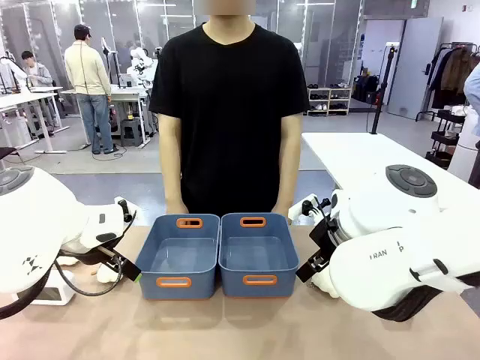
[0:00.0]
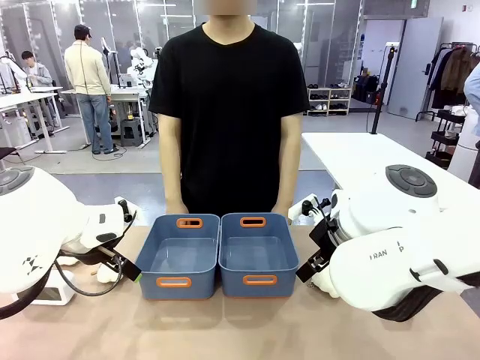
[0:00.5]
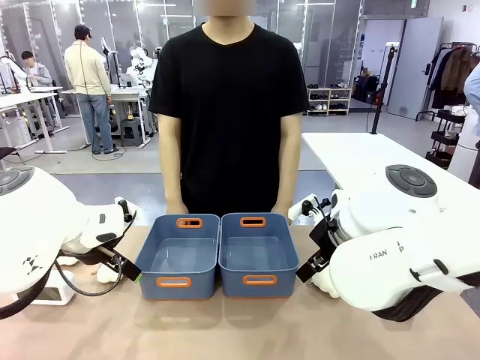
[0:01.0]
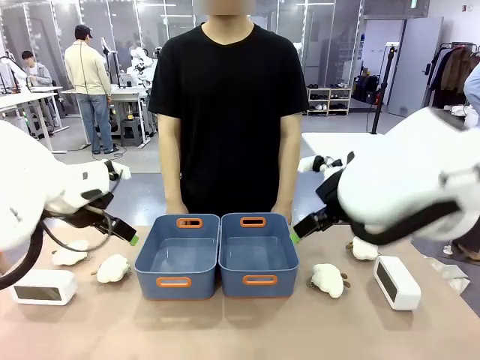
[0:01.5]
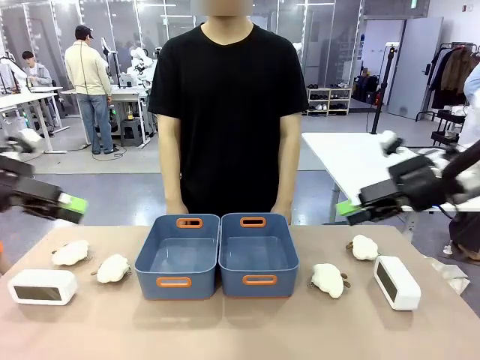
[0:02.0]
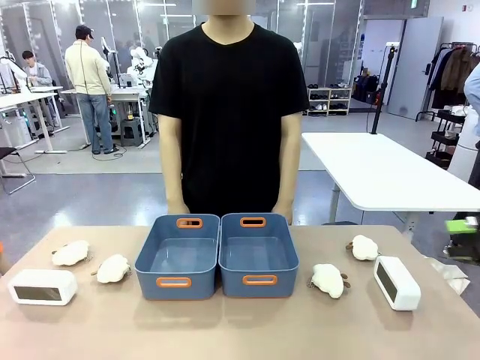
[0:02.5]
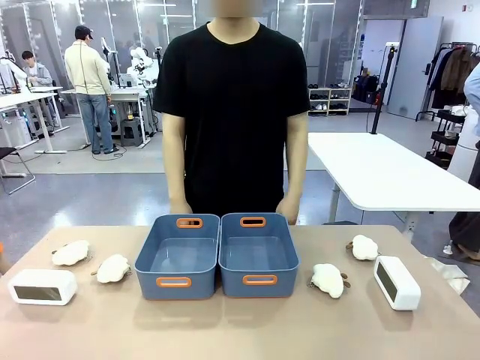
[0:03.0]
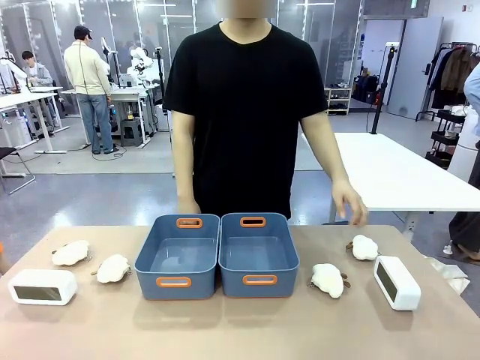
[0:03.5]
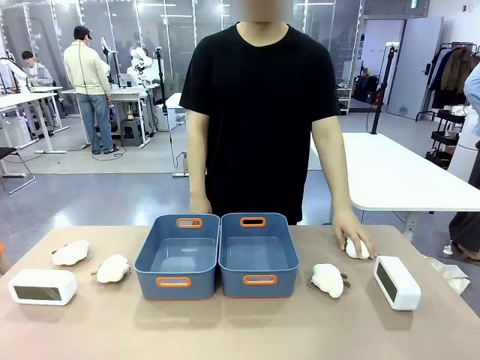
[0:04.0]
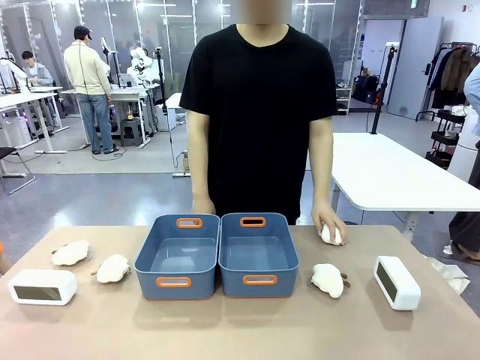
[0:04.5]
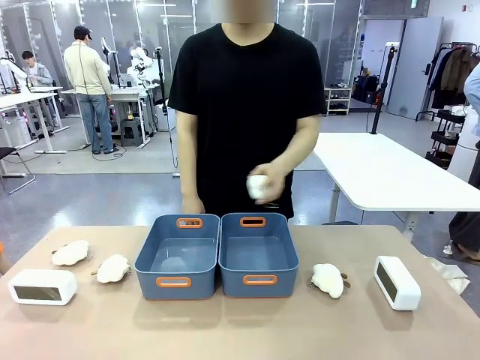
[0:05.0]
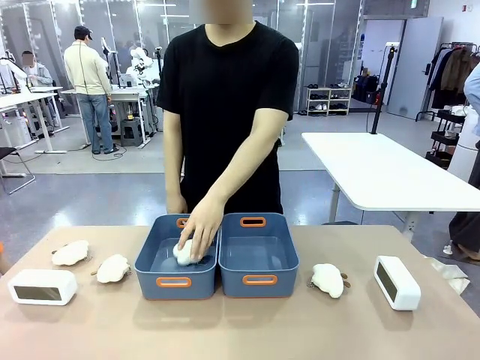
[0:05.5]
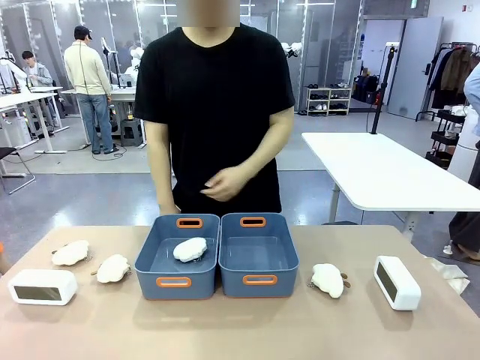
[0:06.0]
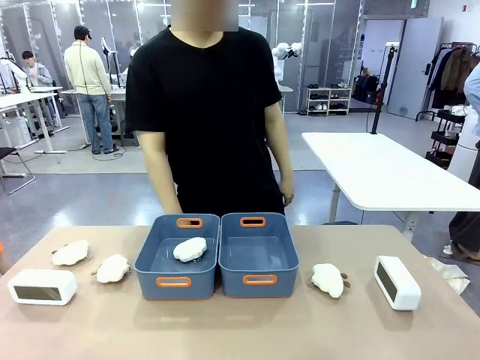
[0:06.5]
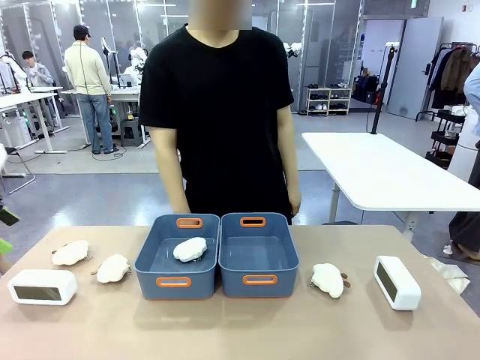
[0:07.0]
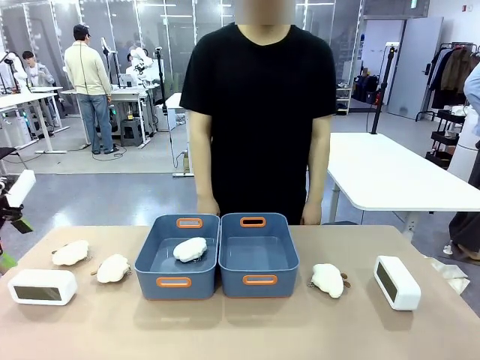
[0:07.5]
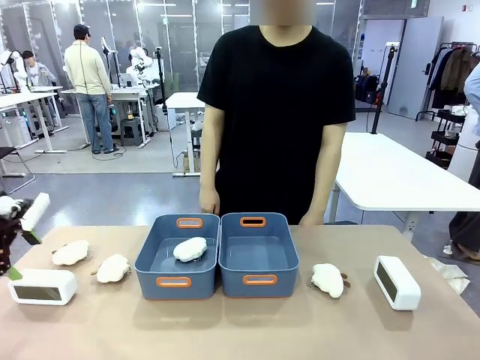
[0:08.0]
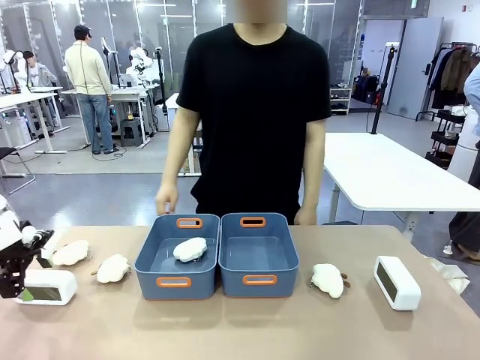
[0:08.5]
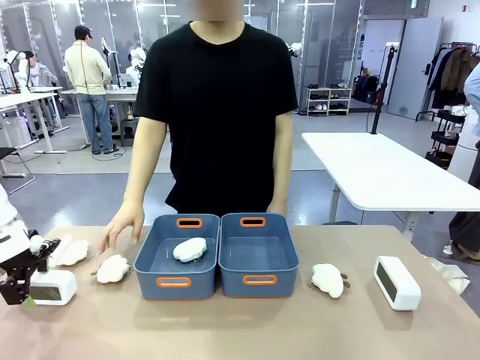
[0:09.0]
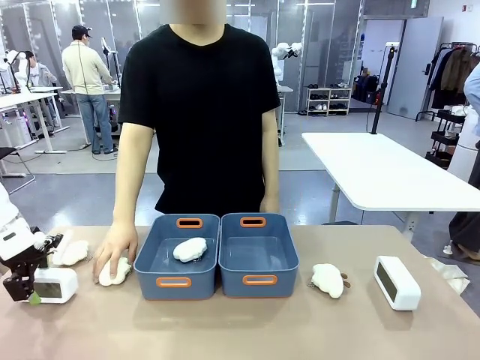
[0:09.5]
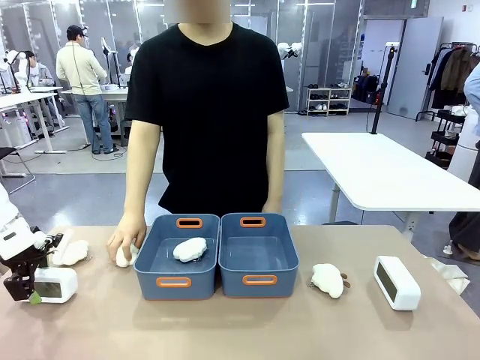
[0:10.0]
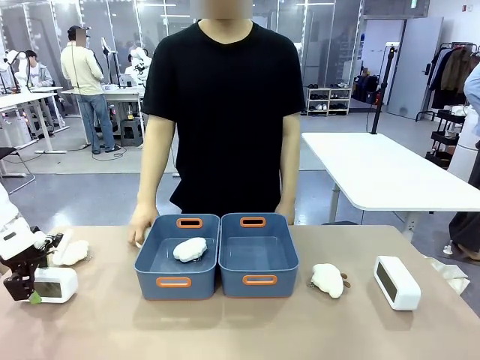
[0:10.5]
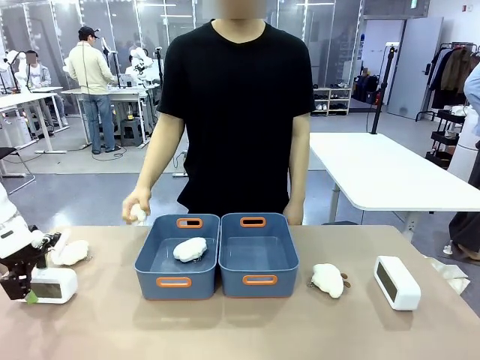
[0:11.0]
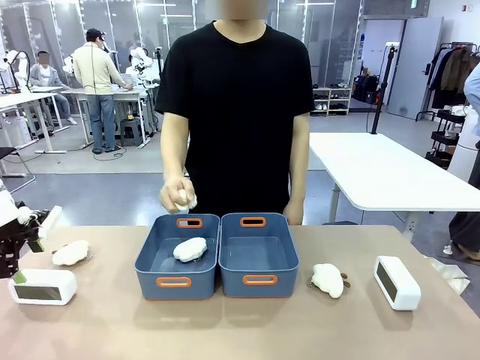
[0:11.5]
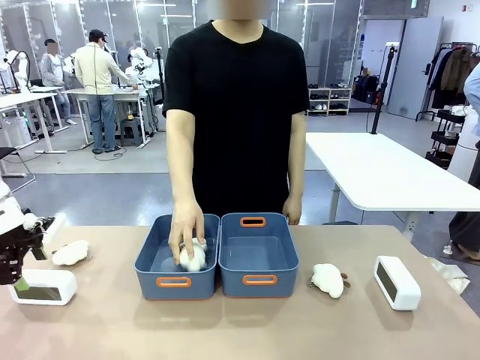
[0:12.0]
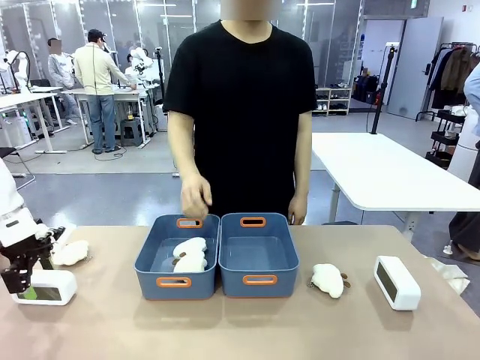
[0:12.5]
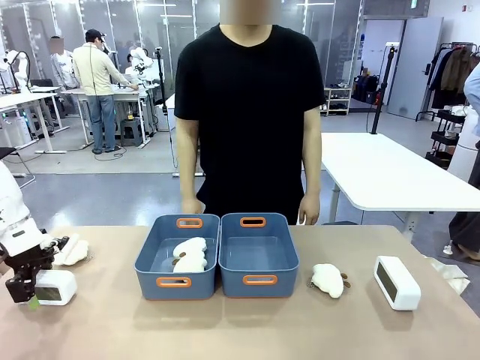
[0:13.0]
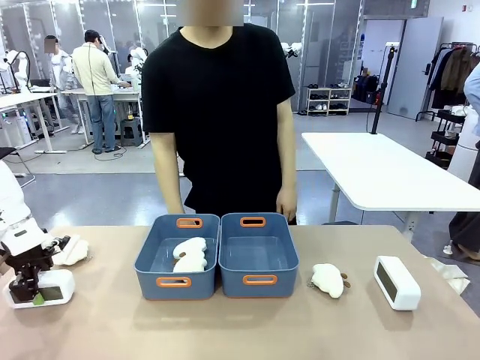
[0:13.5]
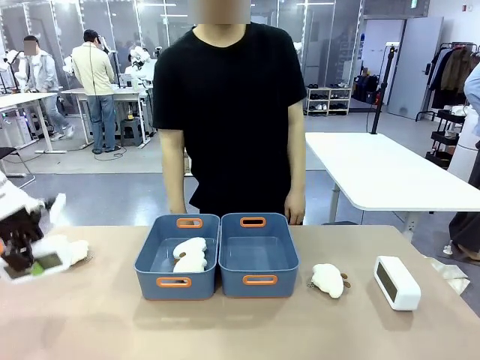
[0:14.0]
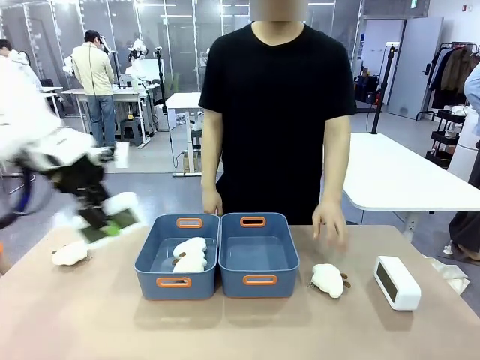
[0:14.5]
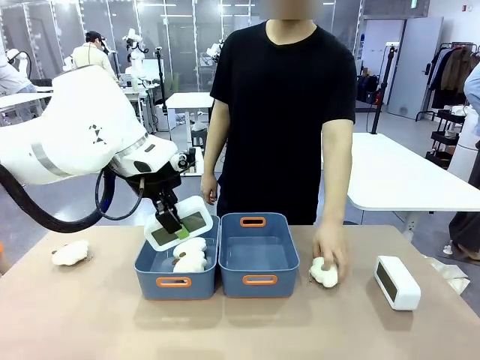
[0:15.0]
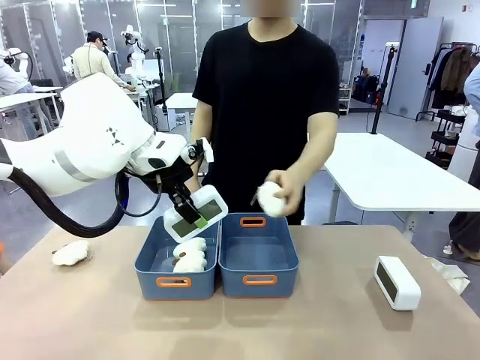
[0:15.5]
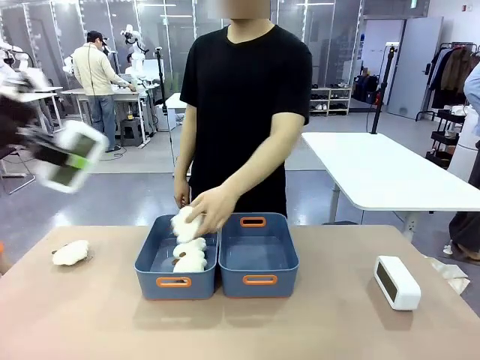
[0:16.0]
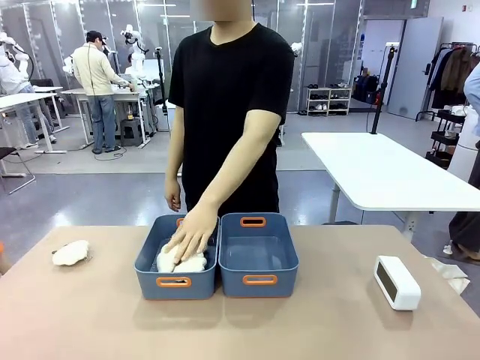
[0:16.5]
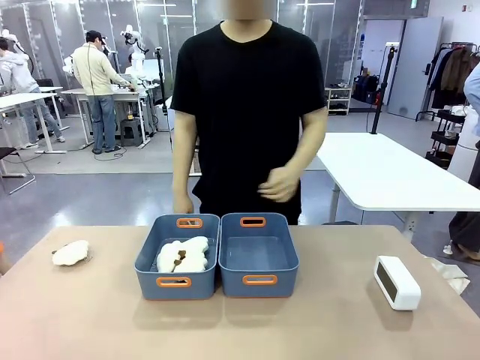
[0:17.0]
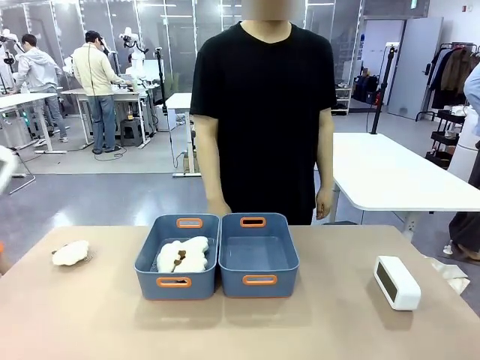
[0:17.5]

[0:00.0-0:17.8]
Task: Sort the digital clocks into the basket.
Robot: Pick up the Digital clock from the table and place it into the empty Plastic storage basket.
Person: Pick up a plush toy from the table and place it in a plastic storage basket.
